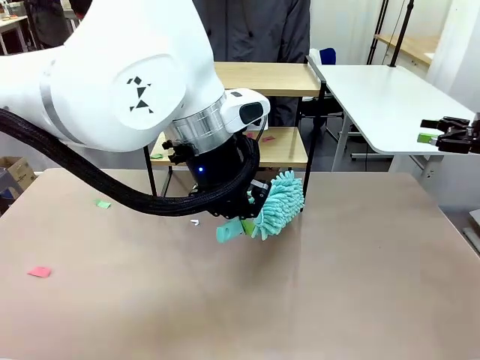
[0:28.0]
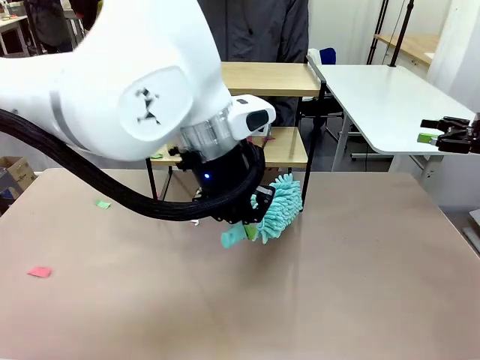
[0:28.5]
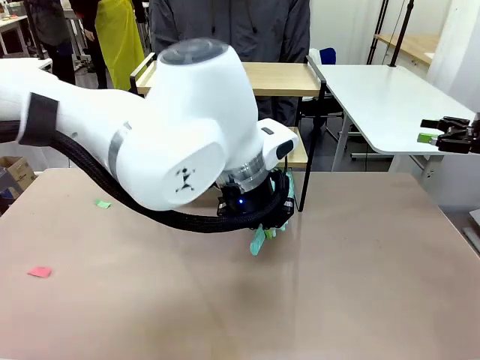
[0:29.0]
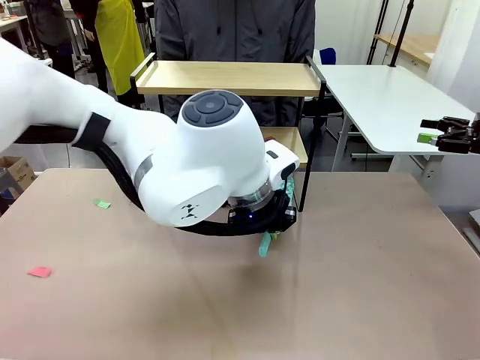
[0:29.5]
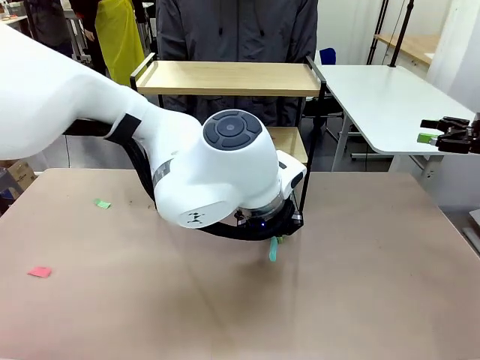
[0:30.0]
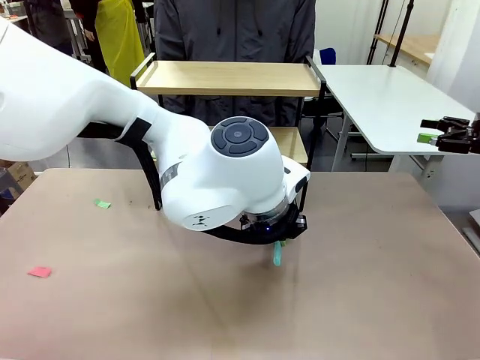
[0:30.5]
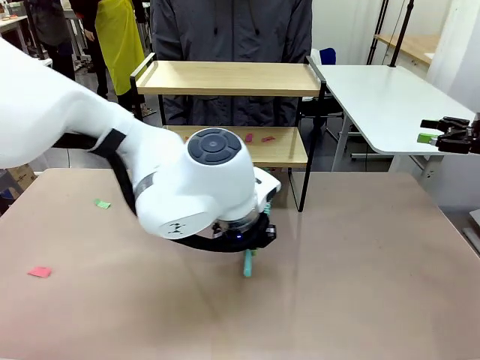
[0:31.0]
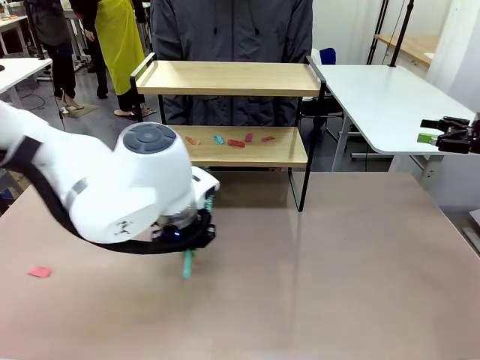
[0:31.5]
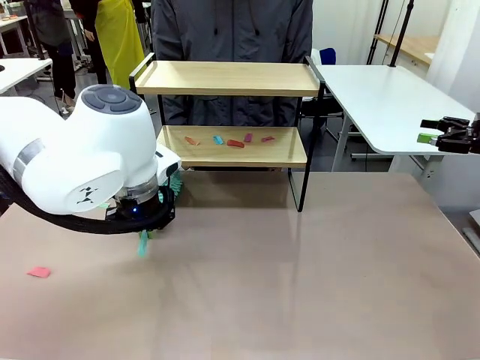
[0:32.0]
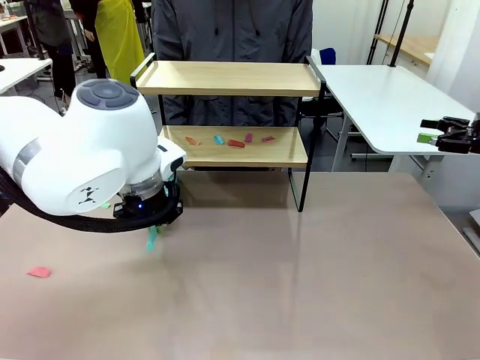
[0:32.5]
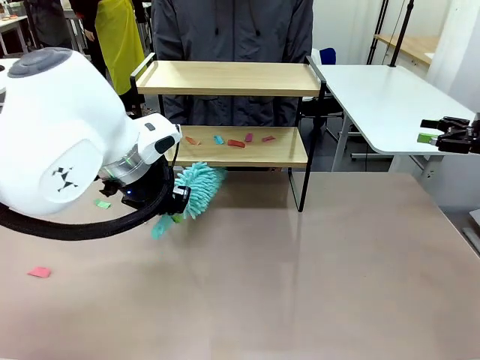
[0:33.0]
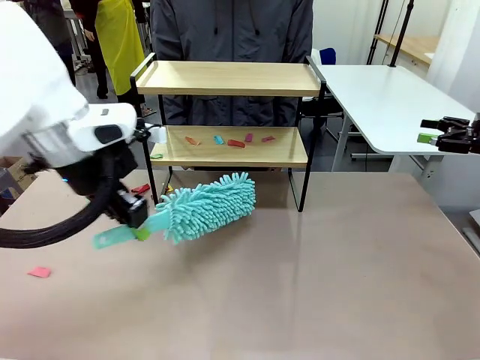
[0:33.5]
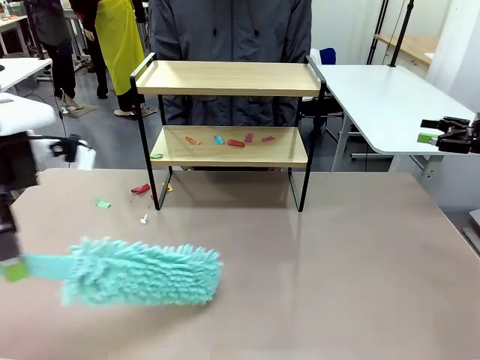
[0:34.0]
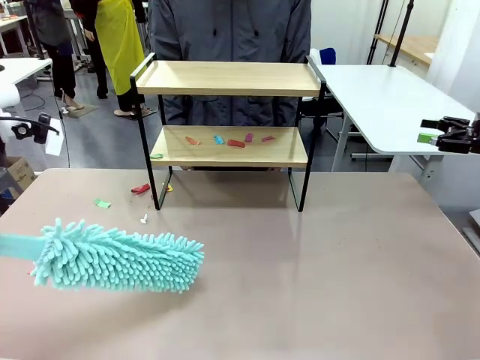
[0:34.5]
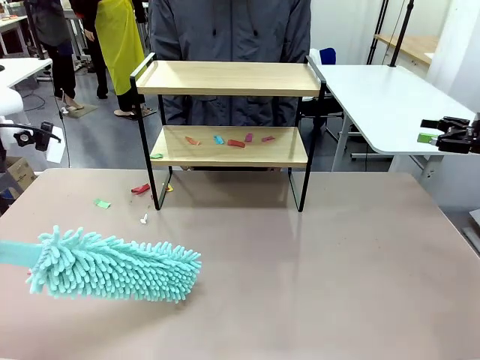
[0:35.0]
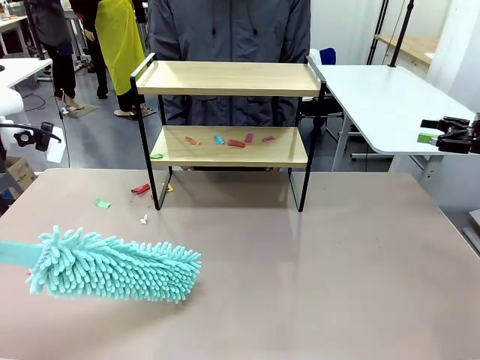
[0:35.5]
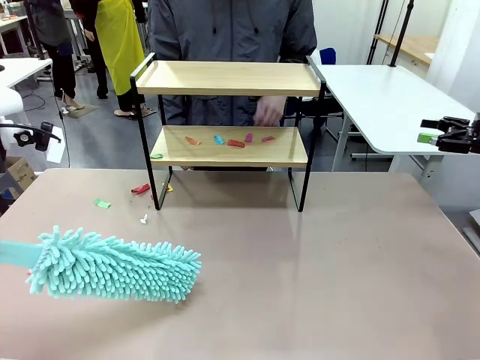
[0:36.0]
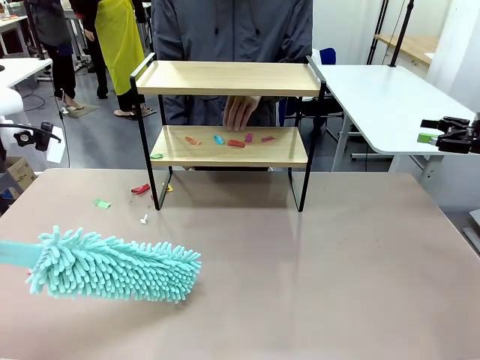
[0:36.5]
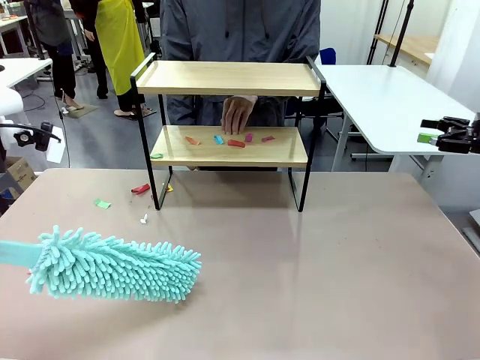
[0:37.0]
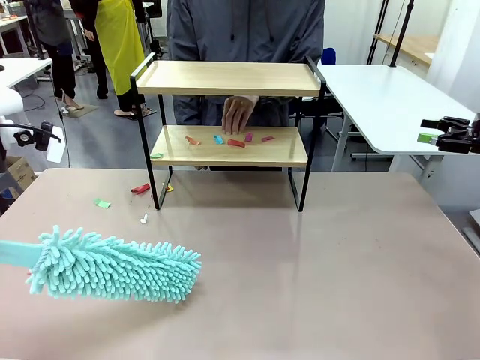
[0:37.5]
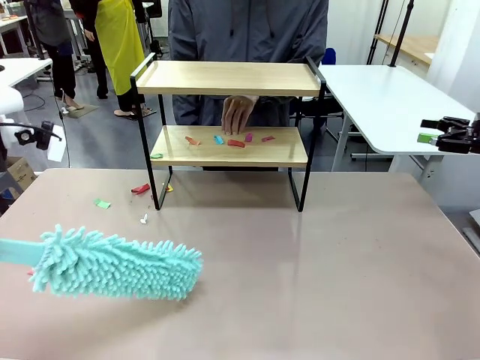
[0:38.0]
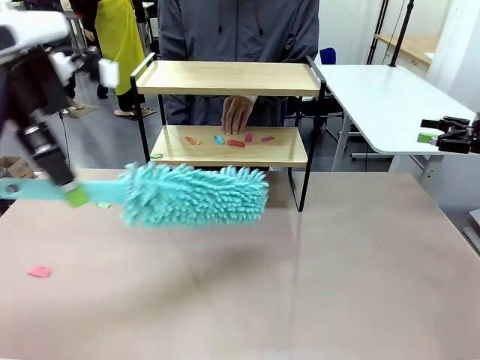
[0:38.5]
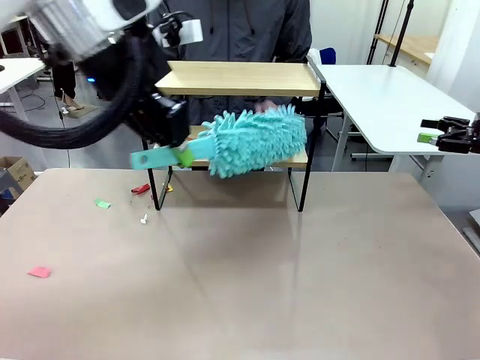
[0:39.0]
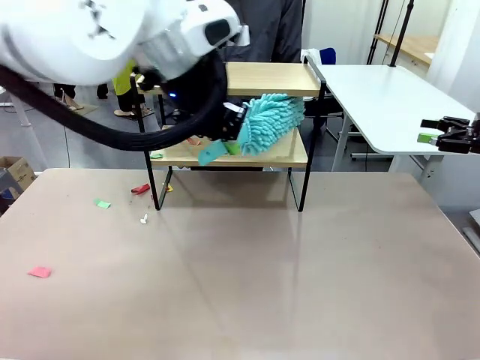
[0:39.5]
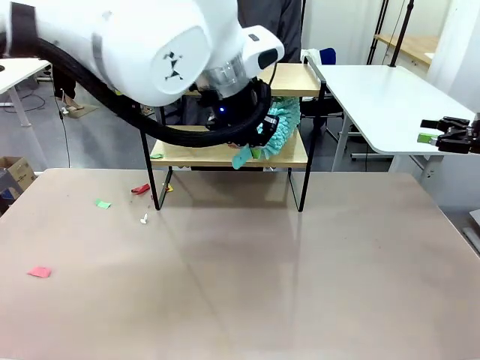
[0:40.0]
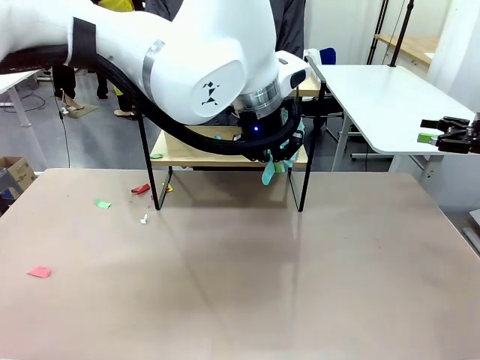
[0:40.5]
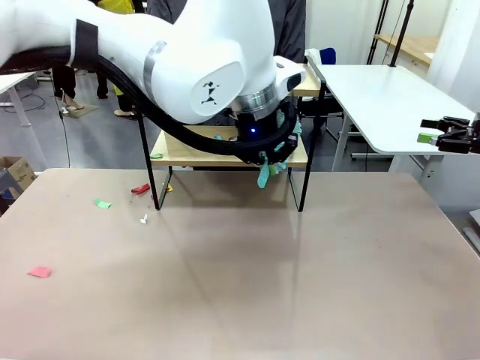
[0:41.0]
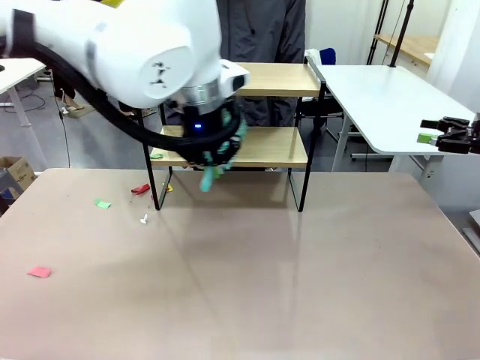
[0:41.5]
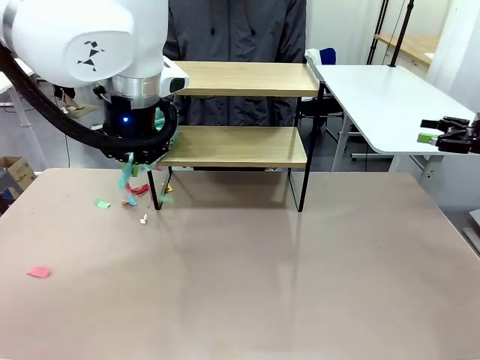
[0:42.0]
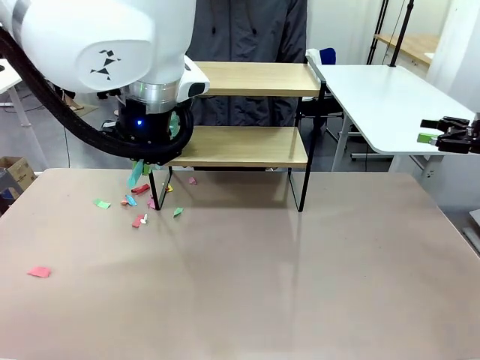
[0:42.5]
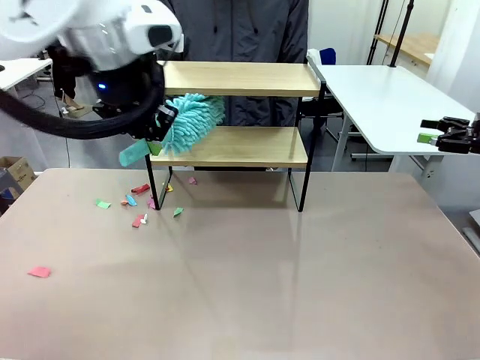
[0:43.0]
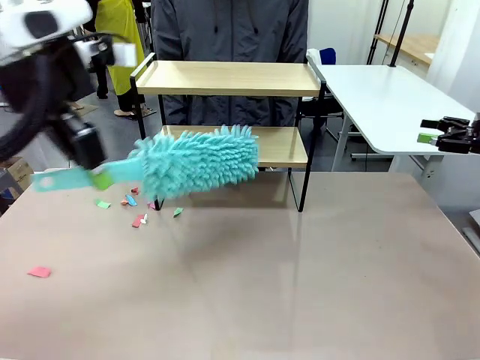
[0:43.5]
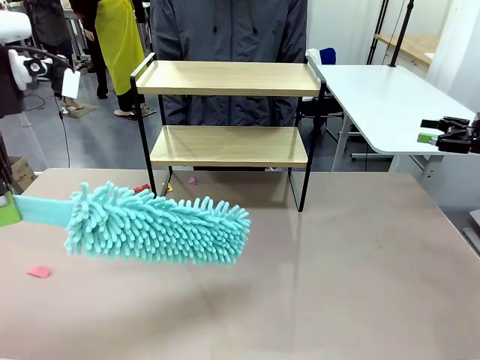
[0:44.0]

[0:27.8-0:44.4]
Task: Clean the shelf.
Robot: Clean the specific section of the Shelf indicated by the human with the Duster.
Person: Point a remaining section of the Shelf.

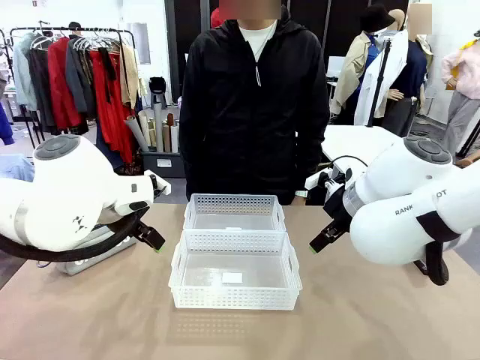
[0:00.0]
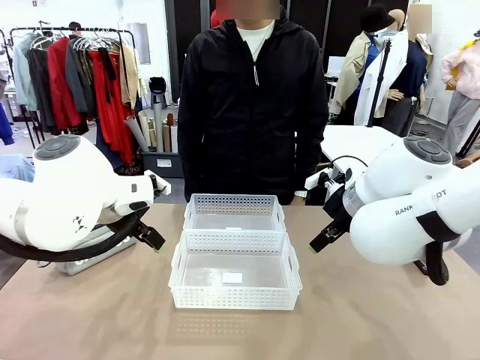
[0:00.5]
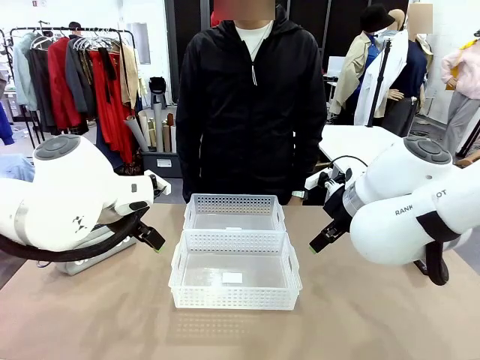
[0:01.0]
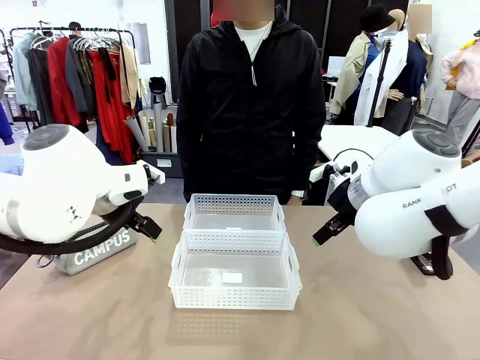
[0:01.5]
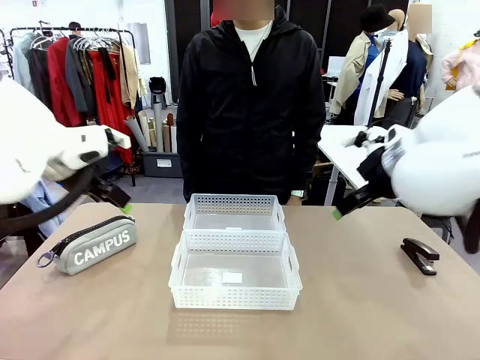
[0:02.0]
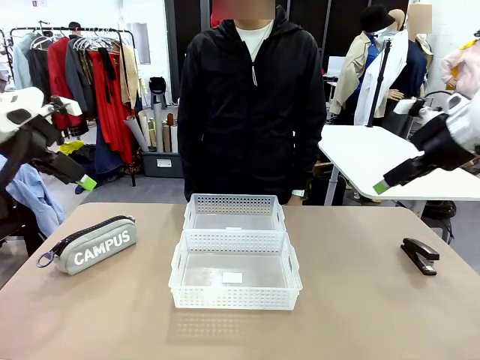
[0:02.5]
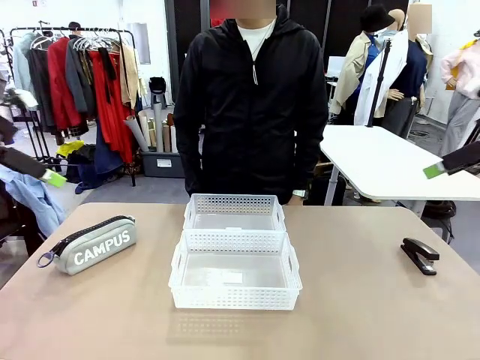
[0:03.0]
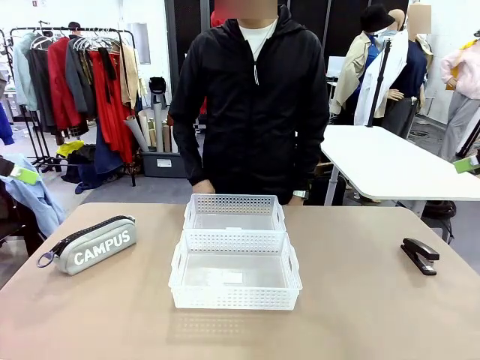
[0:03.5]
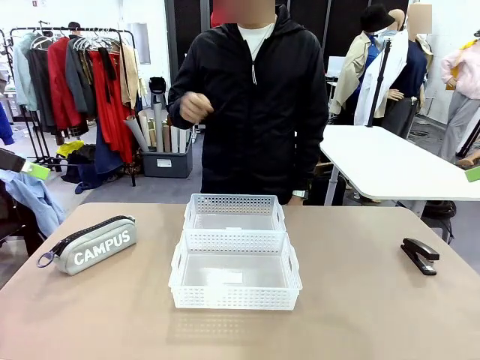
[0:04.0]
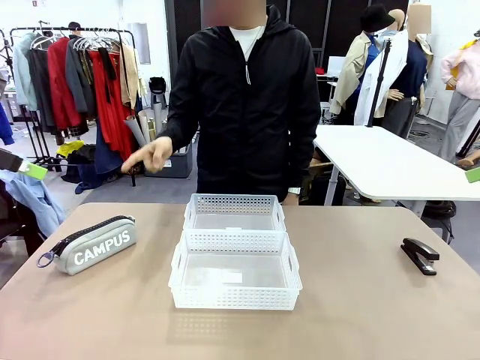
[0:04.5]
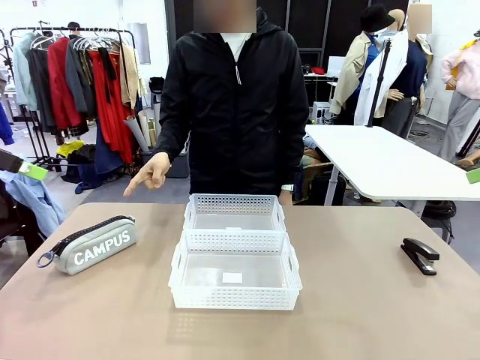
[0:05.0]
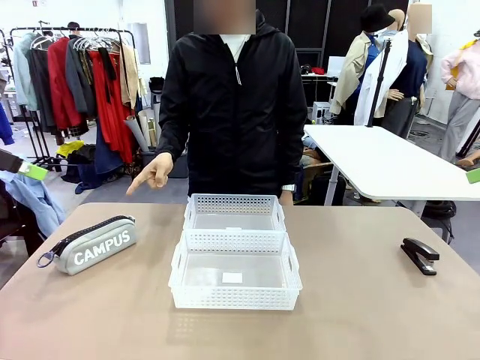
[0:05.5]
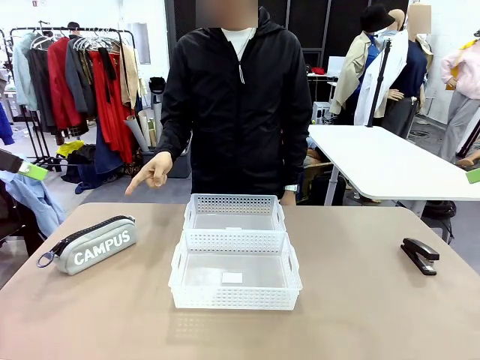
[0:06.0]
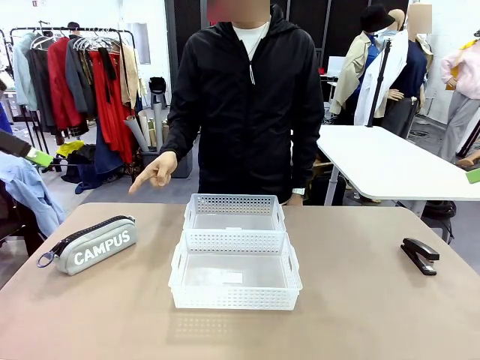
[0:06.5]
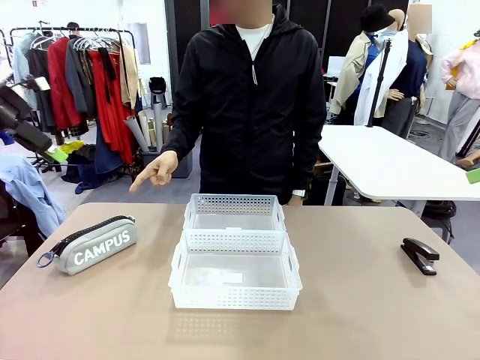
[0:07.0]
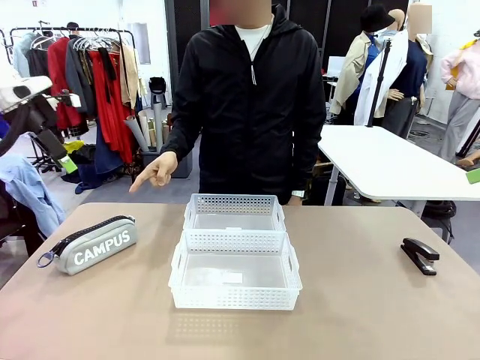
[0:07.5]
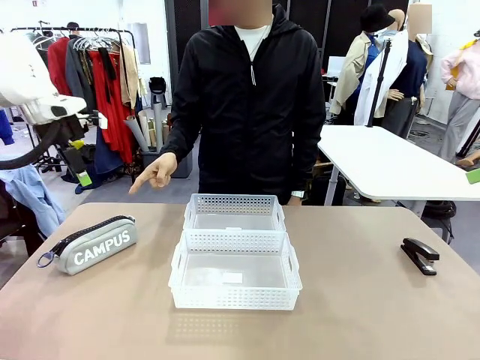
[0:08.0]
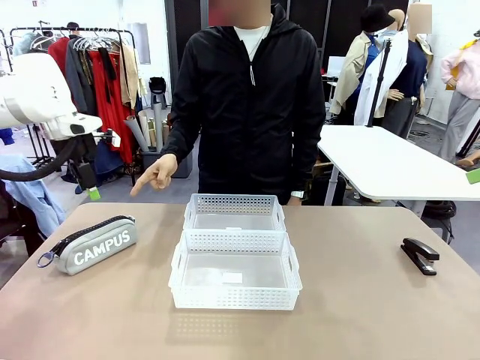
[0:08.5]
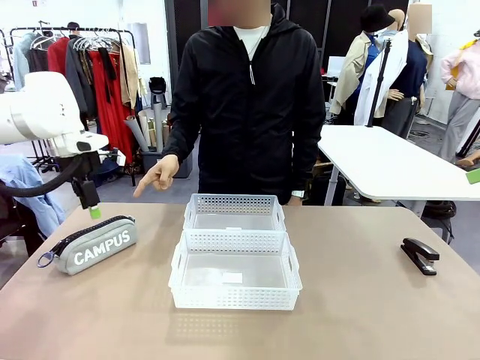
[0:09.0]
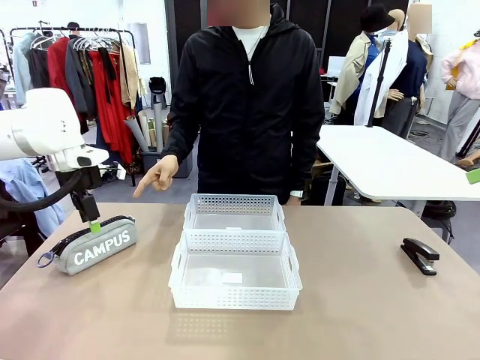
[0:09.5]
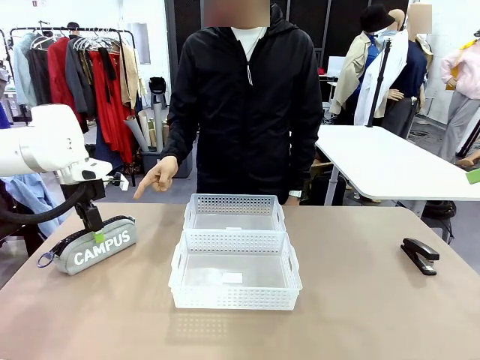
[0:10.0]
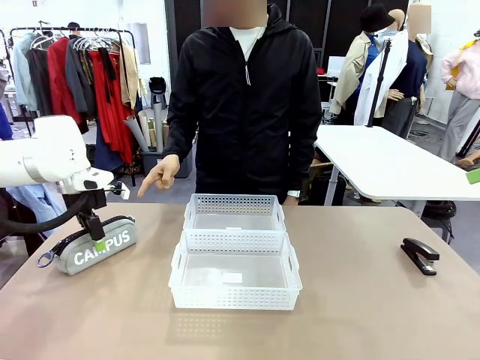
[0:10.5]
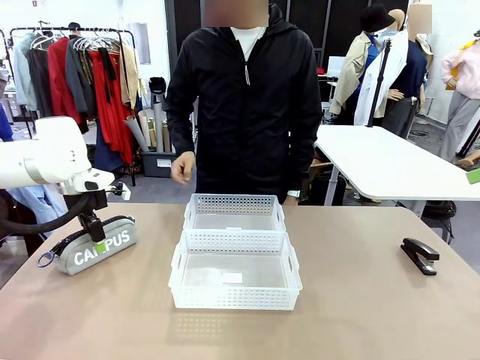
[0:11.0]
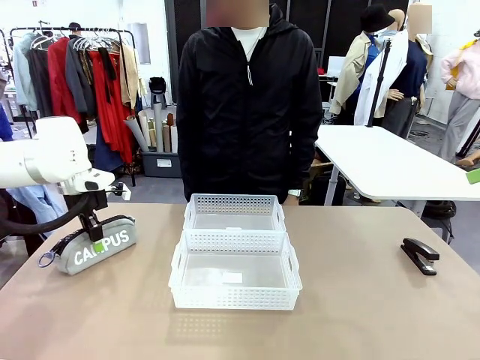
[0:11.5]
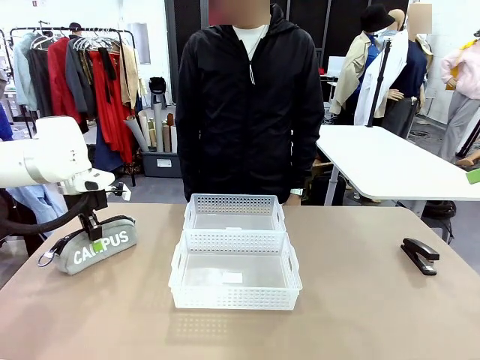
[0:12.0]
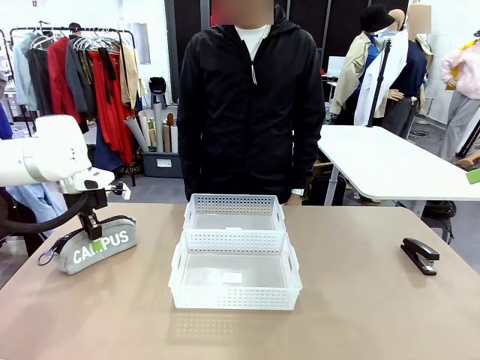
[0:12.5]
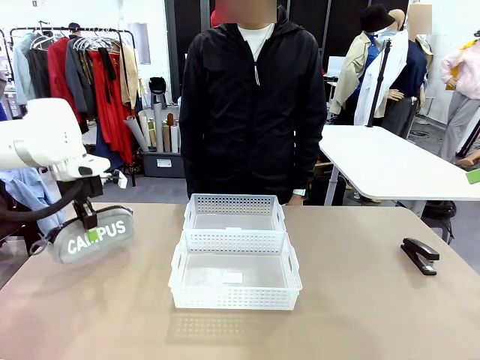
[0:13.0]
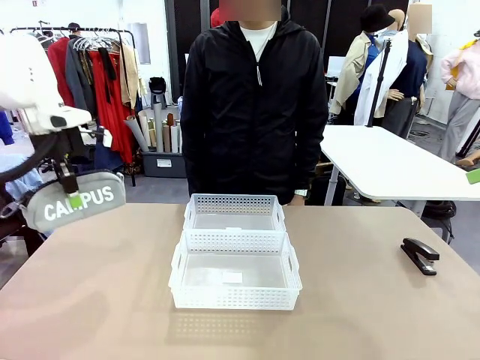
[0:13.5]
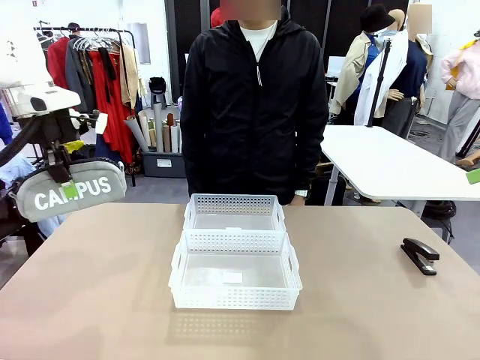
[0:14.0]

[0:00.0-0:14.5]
Task: Distribute items into two baskets.
Robot: Pick up the Pencil pouch that the person points to.
Person: Points to the pencil case. Points between the two organizing baskets and instructs the robot to move the pencil case.
